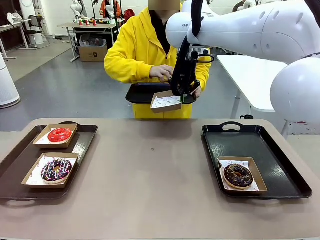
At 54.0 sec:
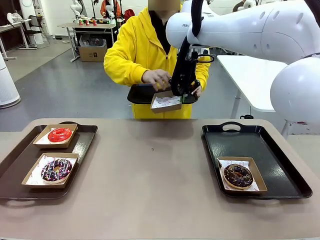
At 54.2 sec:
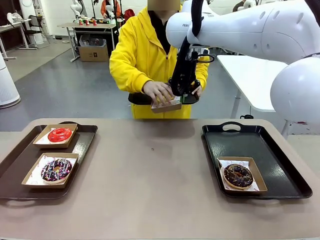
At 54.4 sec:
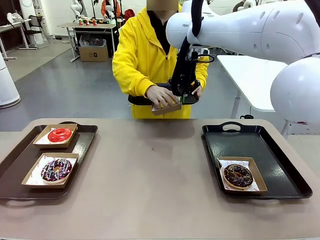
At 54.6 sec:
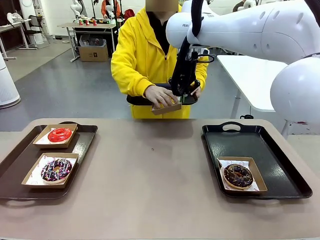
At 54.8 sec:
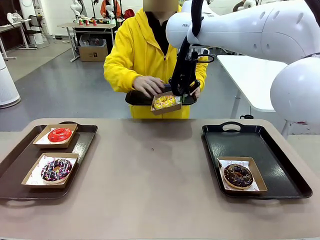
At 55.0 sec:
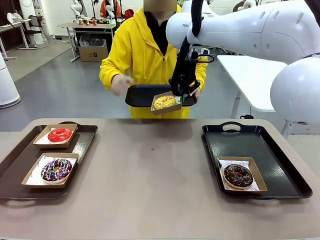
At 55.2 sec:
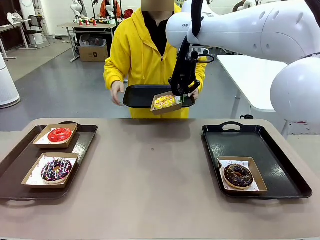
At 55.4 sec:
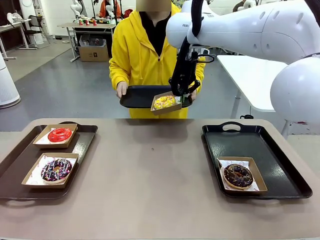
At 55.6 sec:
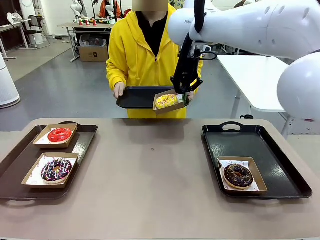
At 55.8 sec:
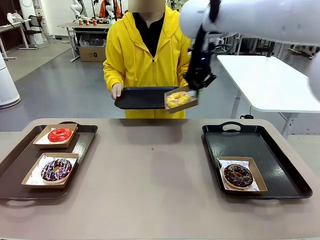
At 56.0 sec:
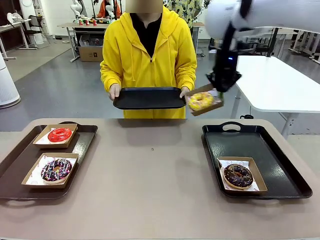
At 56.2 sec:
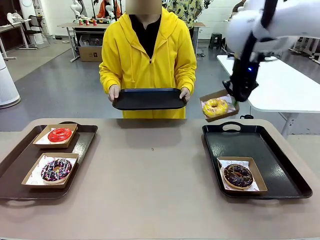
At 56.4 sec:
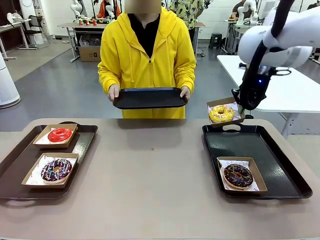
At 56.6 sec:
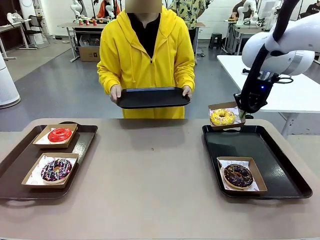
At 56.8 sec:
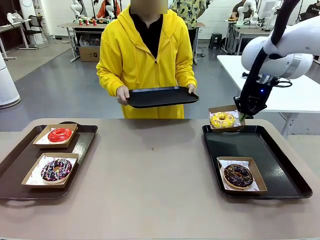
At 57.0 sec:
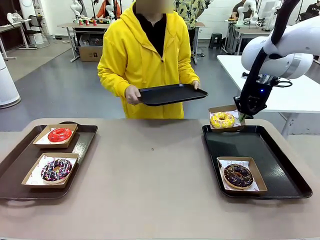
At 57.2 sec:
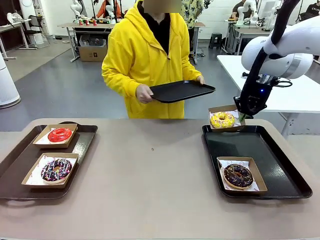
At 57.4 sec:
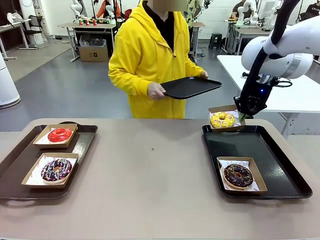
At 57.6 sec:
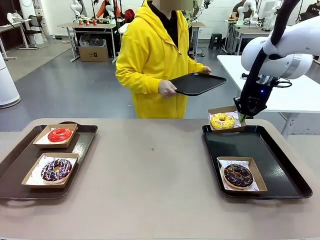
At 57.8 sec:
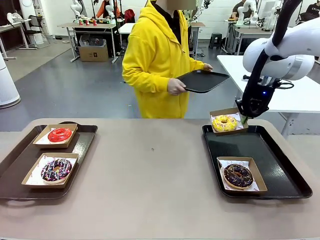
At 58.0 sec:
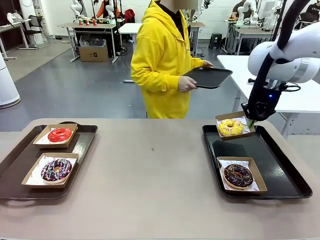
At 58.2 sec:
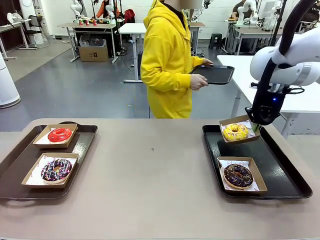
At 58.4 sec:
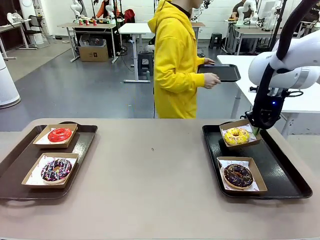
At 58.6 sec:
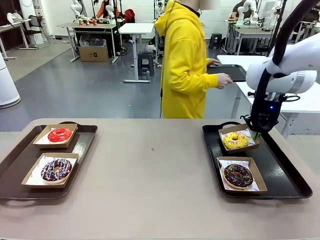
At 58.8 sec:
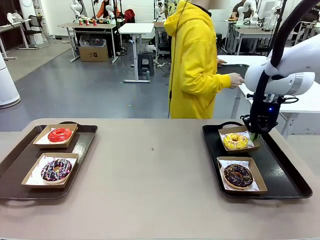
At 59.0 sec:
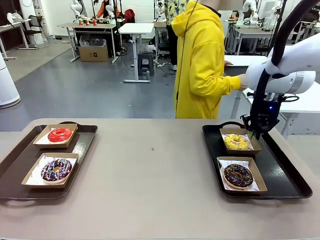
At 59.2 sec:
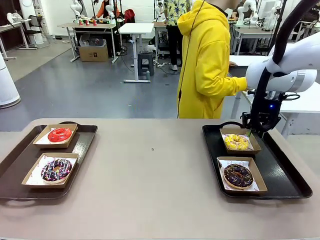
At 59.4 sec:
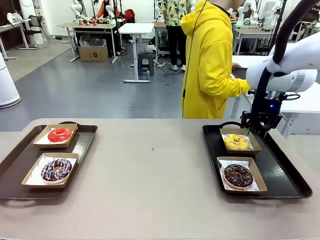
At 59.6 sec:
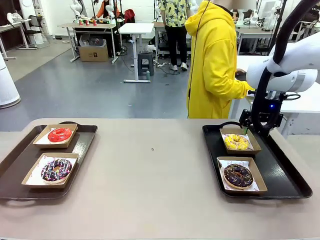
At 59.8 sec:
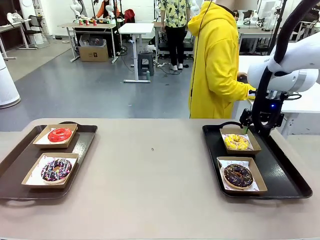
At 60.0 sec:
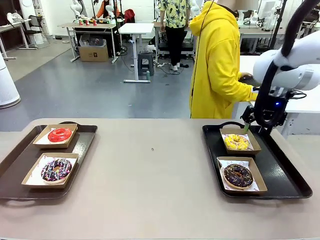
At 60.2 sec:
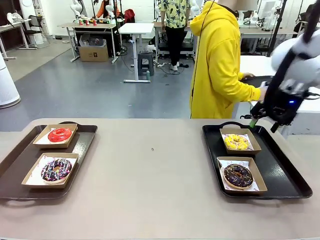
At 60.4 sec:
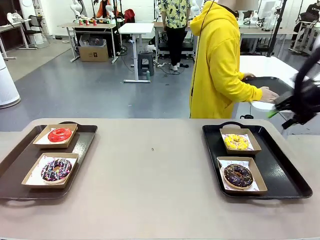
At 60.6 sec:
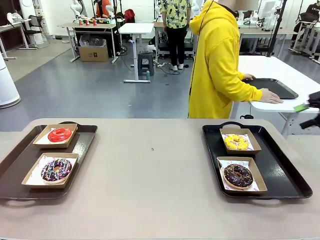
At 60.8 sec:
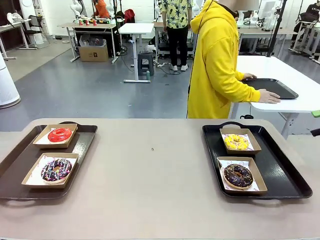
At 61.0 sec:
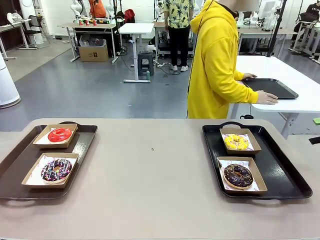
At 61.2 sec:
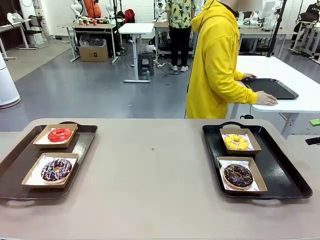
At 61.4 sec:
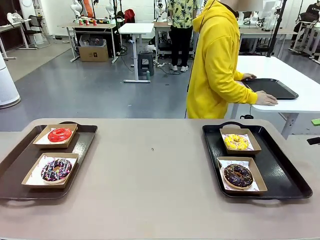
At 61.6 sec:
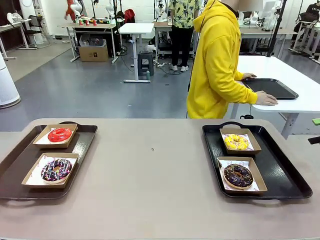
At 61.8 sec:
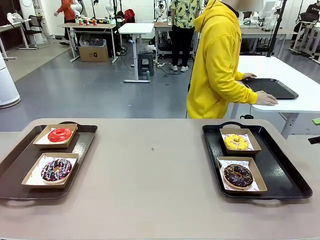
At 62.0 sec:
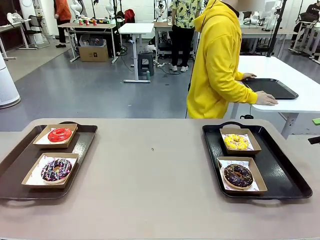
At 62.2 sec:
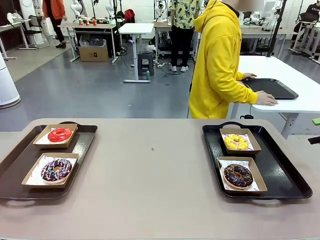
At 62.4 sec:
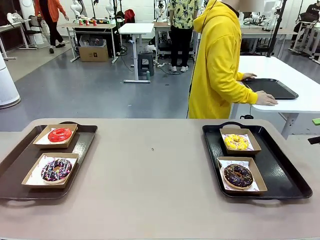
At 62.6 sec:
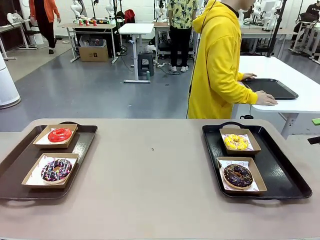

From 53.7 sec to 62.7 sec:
Task: Individually package the donuts and arrange them on the tray.
Robot: Place the picked Paper togo box on the Handle tray.
Person: Place the tray down in the middle of the human table.

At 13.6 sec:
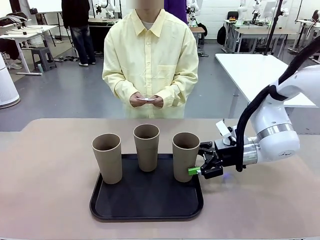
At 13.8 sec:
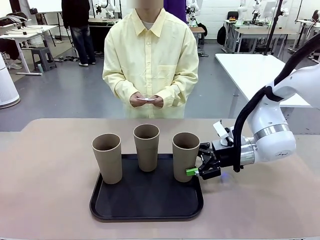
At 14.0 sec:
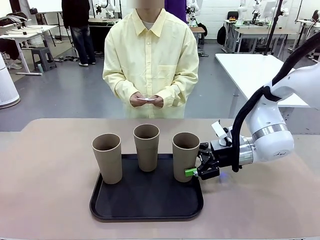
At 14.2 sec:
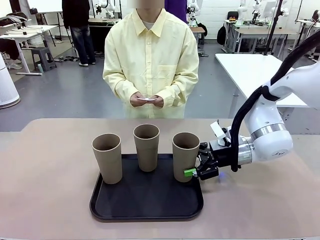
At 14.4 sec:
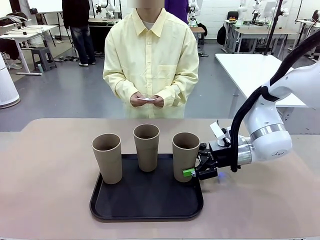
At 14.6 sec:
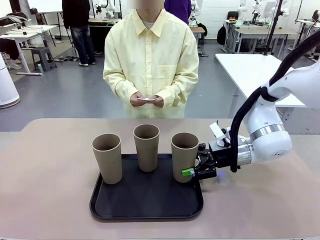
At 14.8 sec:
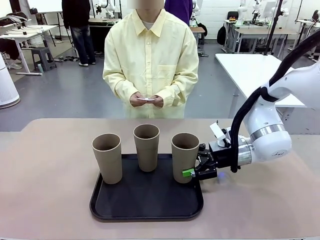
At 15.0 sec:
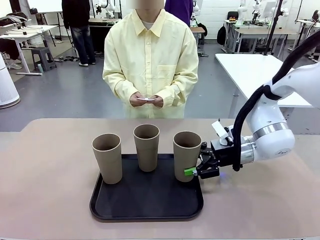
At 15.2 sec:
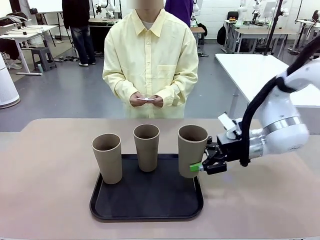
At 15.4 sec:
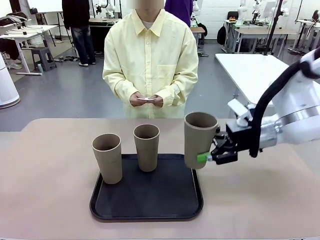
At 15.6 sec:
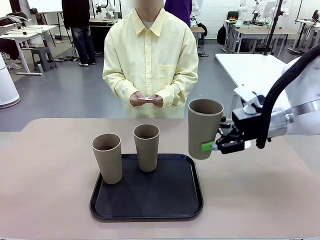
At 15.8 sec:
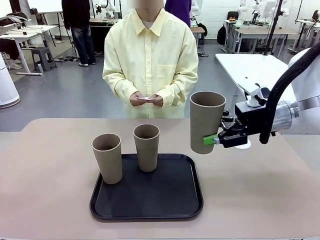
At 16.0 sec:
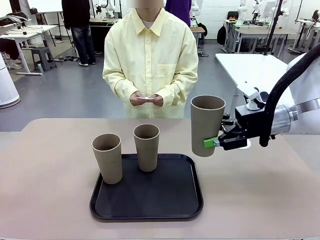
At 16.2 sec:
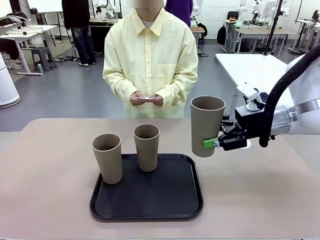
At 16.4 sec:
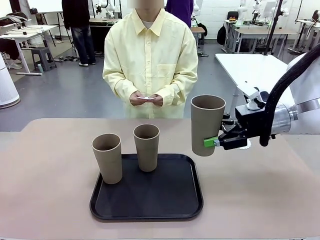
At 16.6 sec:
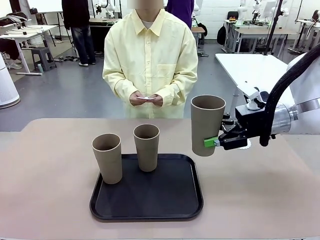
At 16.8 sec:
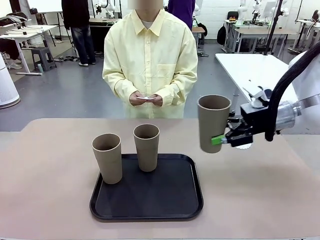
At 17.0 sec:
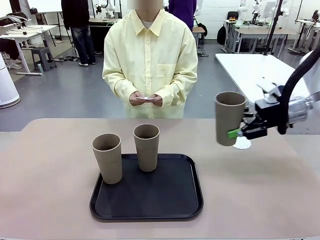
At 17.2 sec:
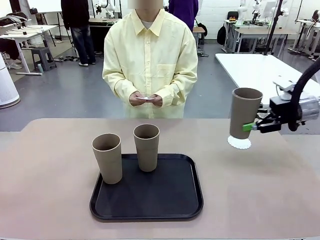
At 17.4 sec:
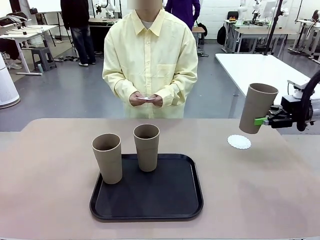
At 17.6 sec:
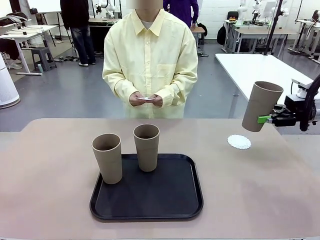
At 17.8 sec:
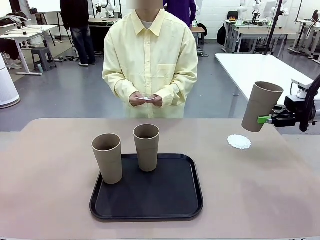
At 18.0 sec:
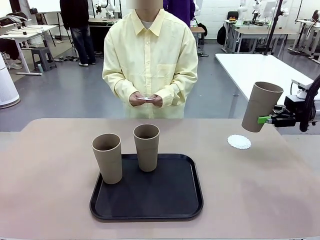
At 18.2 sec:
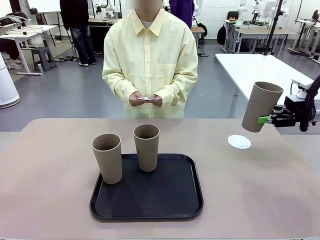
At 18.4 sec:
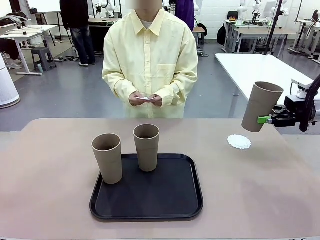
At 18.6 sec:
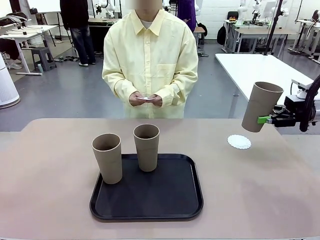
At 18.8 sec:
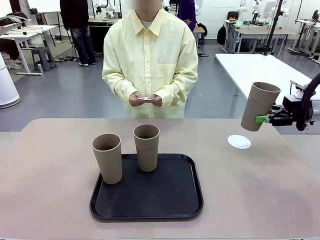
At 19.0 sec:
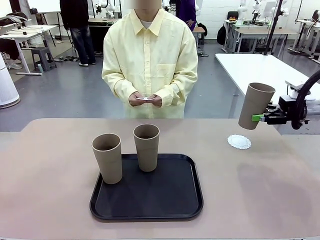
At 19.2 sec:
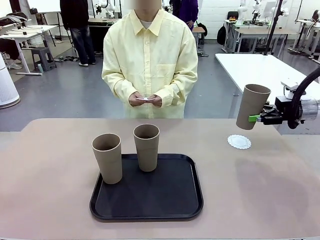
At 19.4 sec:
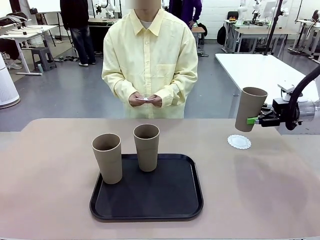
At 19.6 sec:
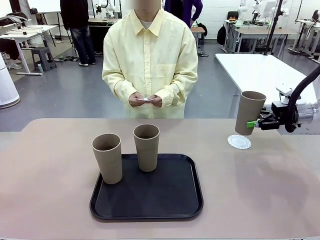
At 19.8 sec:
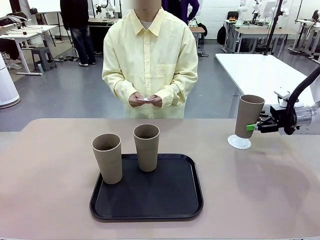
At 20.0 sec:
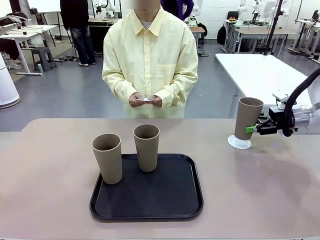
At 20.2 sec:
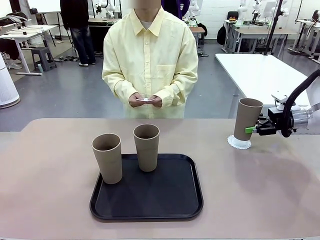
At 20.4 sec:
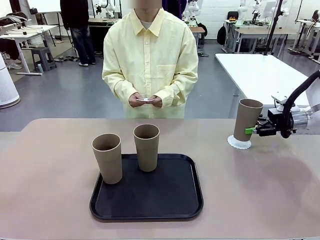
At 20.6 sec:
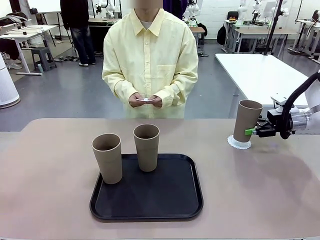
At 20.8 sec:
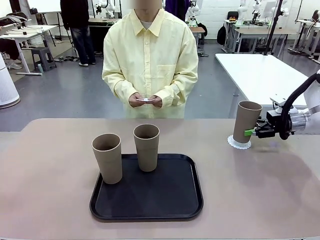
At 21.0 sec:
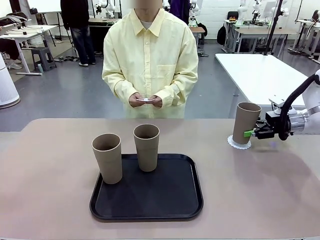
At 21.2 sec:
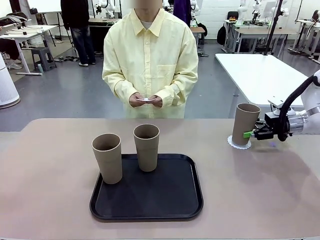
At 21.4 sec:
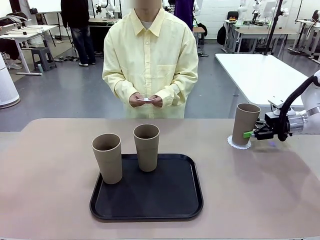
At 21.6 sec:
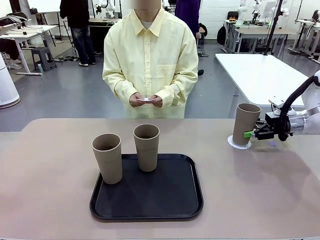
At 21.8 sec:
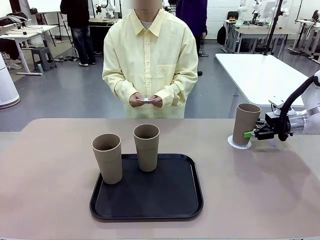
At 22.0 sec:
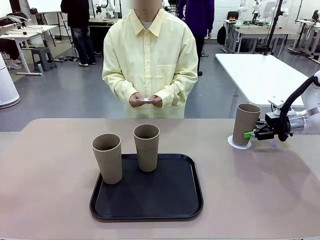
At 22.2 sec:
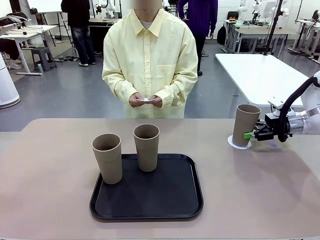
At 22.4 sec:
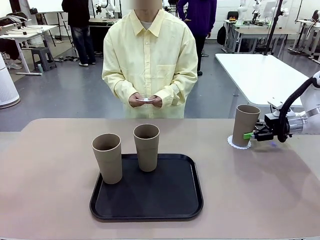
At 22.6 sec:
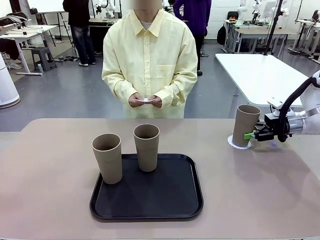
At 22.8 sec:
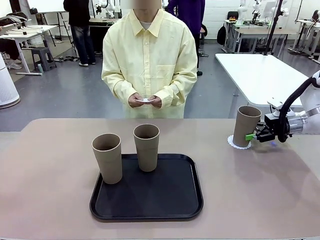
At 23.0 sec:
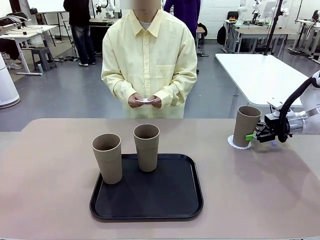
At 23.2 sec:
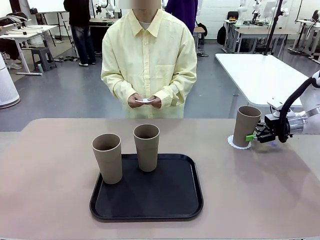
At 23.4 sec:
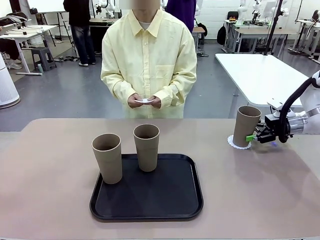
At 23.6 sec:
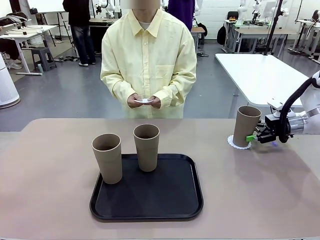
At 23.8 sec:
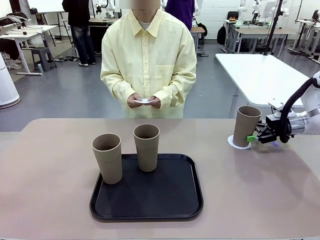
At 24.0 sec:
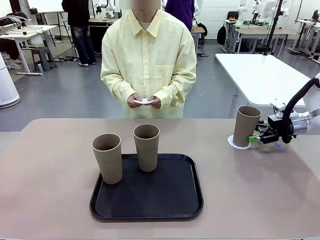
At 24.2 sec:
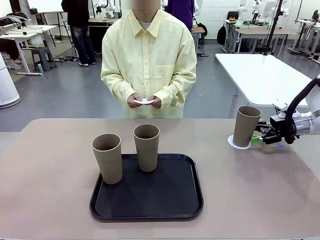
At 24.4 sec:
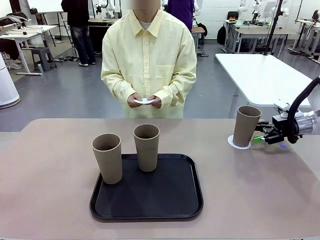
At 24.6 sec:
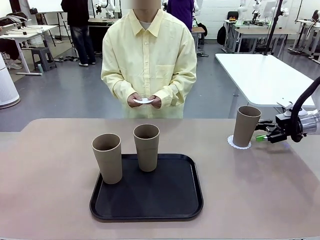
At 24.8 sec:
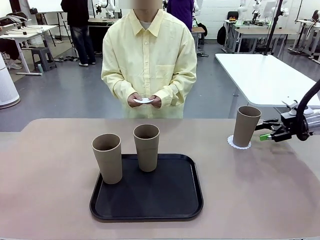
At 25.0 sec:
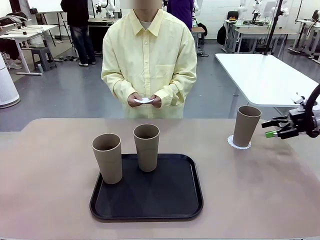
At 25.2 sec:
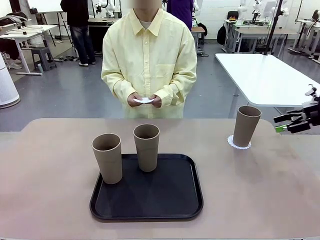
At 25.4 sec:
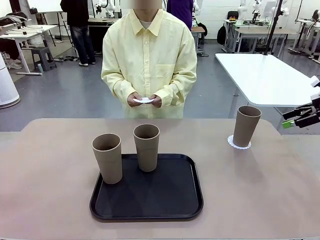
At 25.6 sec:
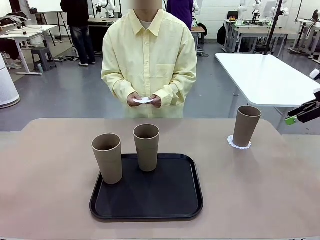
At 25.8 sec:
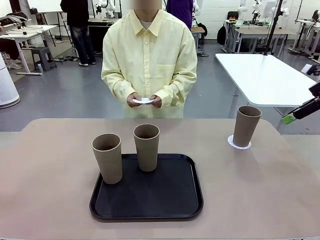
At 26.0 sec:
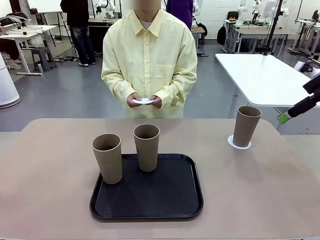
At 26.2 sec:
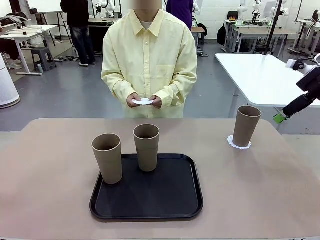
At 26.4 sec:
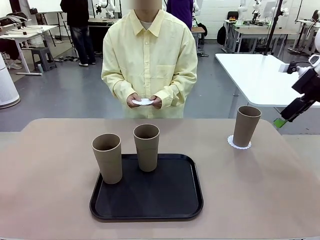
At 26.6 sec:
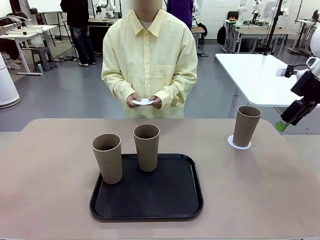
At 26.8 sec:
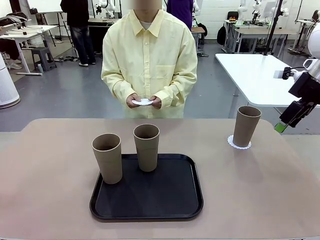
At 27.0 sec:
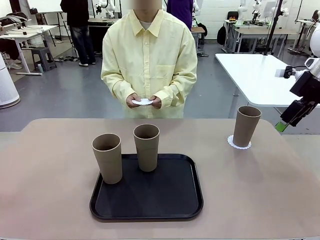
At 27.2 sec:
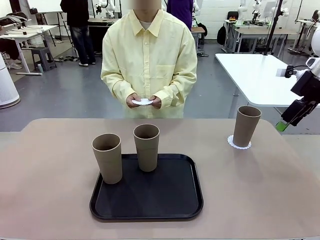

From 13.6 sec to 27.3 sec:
Task: Place coasters on the table and set cups on them.
Robot: Pick up one Reusable plastic cup and place it on a coaster set by the human.
Person: Place one coaster in one of the two areas excluding the previously selected area.
